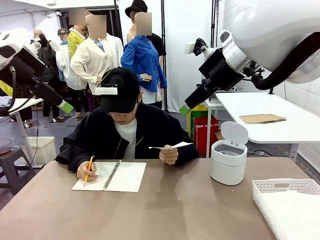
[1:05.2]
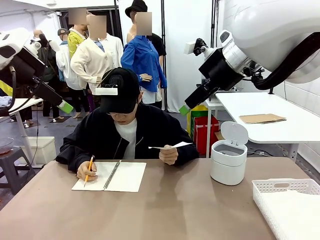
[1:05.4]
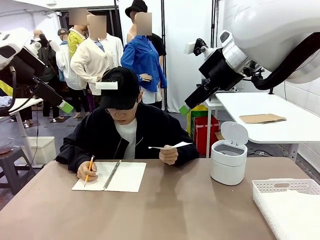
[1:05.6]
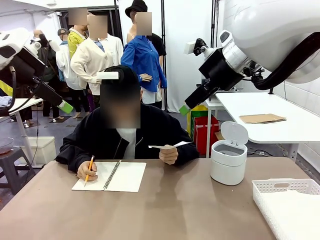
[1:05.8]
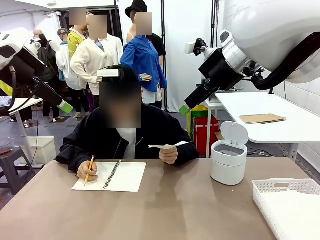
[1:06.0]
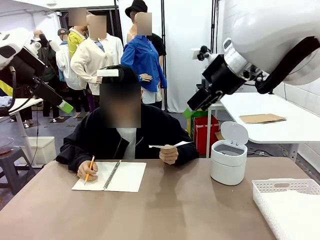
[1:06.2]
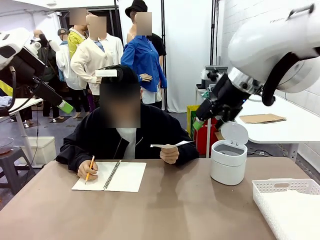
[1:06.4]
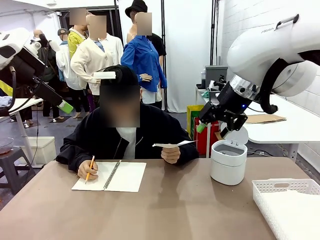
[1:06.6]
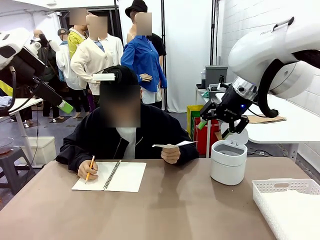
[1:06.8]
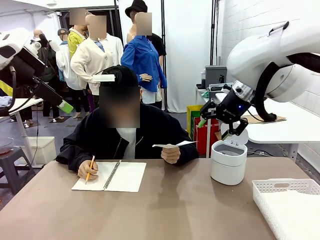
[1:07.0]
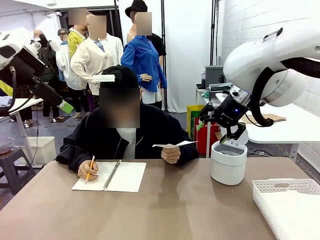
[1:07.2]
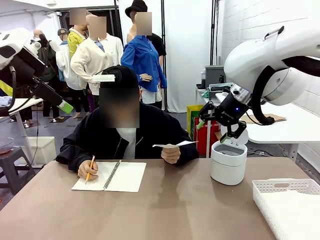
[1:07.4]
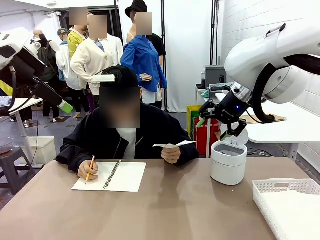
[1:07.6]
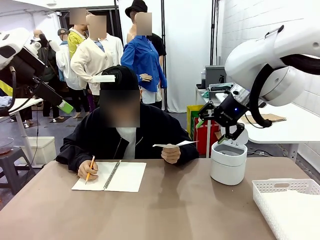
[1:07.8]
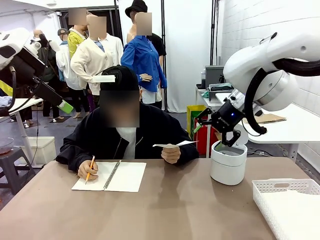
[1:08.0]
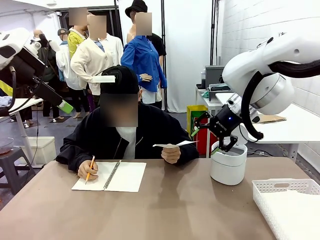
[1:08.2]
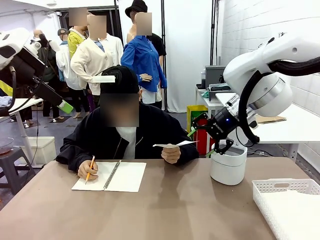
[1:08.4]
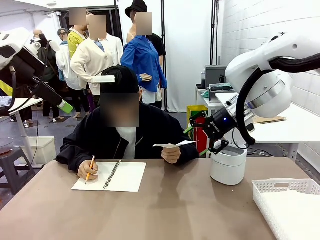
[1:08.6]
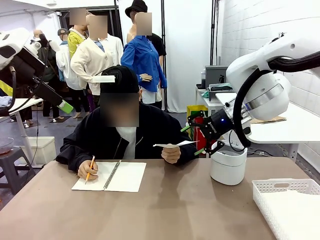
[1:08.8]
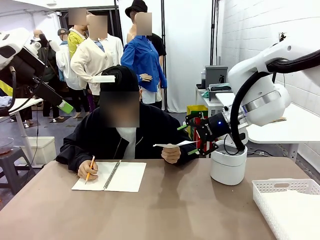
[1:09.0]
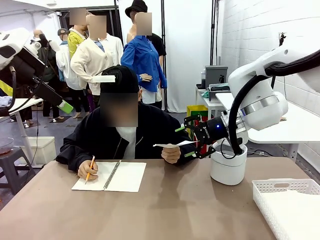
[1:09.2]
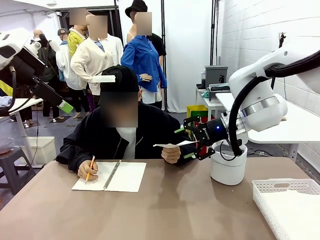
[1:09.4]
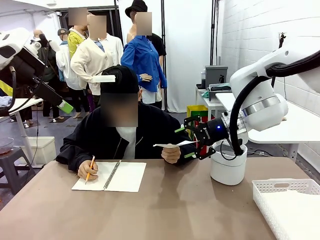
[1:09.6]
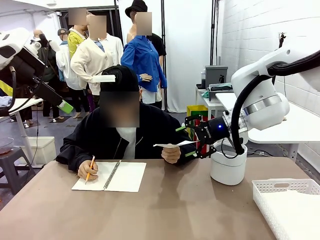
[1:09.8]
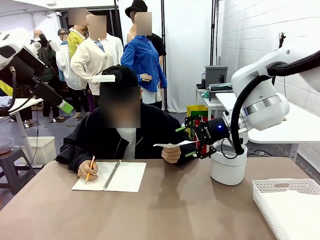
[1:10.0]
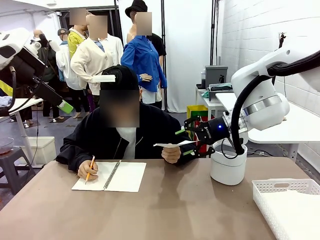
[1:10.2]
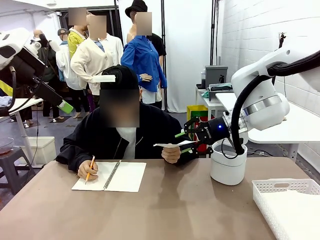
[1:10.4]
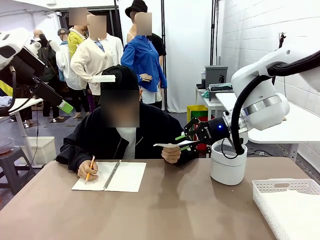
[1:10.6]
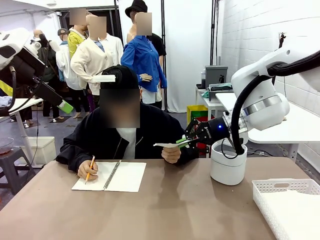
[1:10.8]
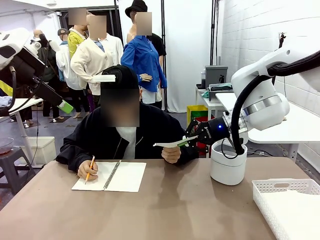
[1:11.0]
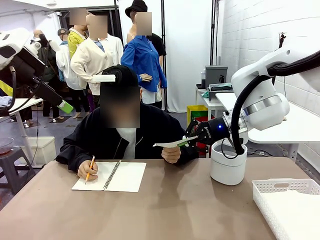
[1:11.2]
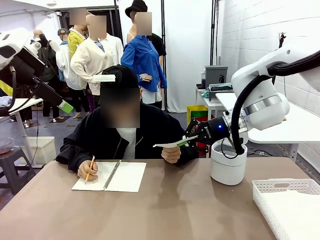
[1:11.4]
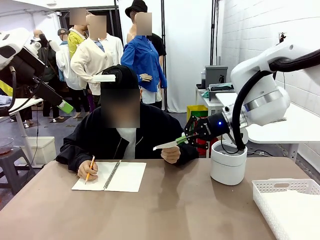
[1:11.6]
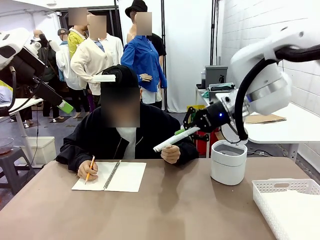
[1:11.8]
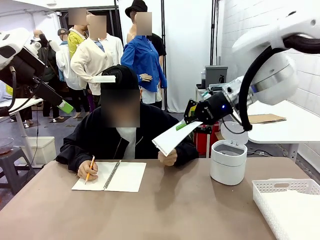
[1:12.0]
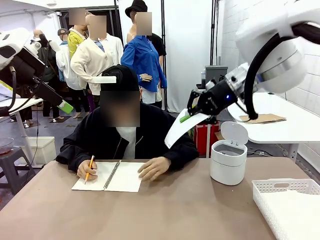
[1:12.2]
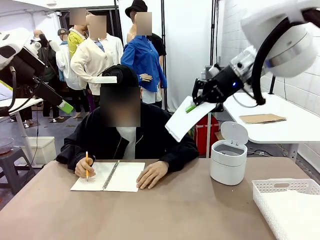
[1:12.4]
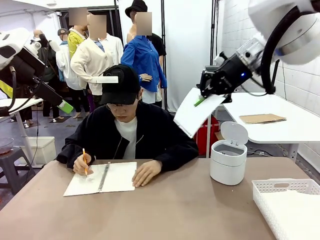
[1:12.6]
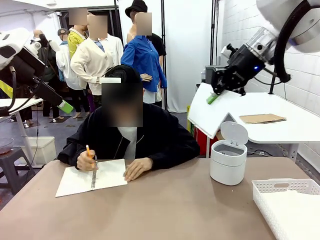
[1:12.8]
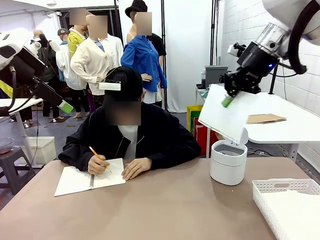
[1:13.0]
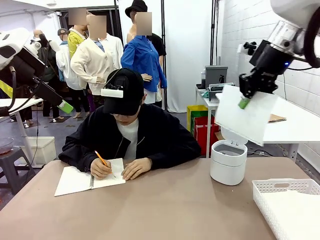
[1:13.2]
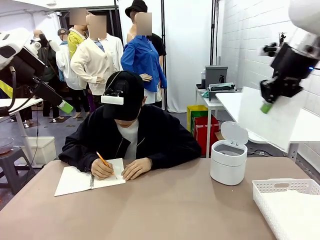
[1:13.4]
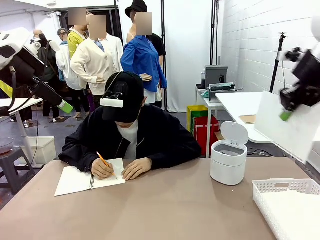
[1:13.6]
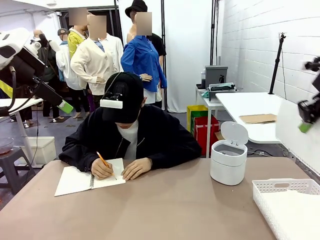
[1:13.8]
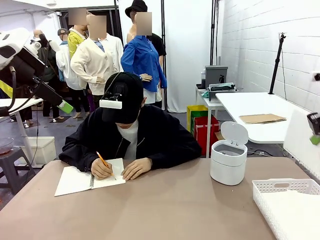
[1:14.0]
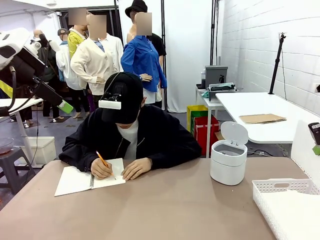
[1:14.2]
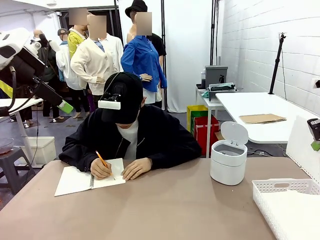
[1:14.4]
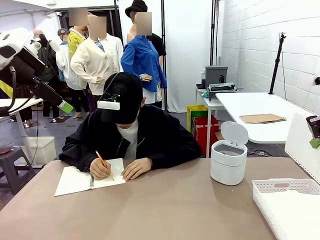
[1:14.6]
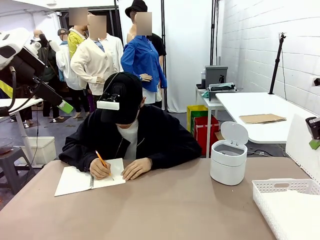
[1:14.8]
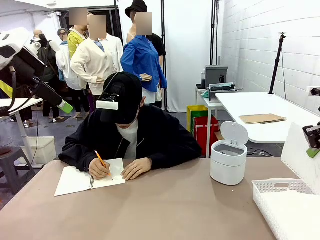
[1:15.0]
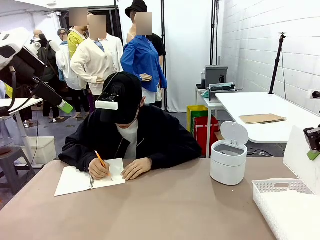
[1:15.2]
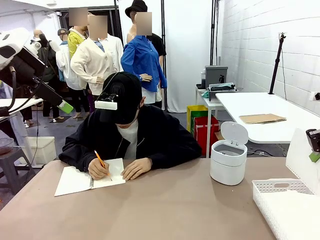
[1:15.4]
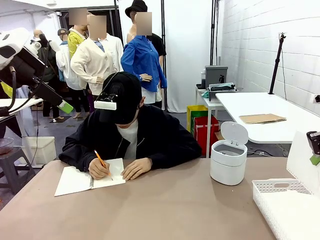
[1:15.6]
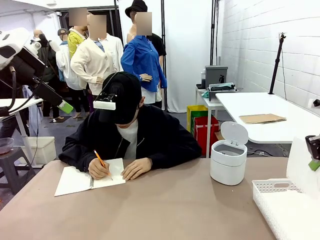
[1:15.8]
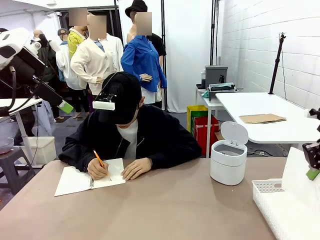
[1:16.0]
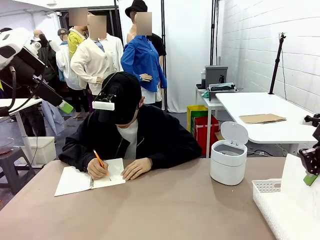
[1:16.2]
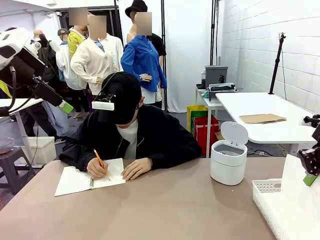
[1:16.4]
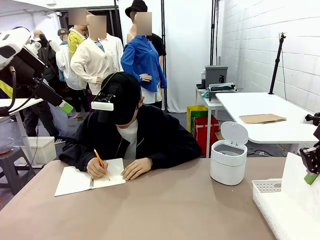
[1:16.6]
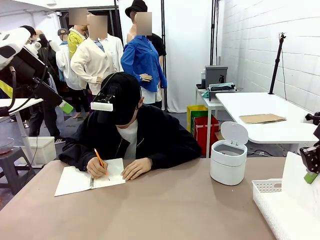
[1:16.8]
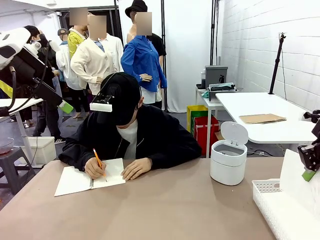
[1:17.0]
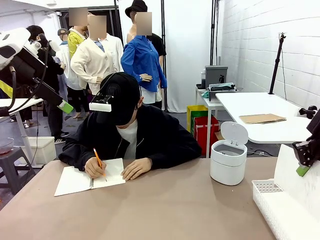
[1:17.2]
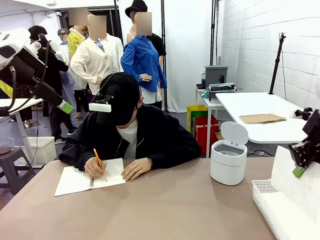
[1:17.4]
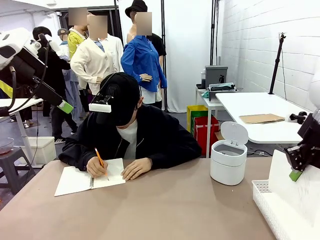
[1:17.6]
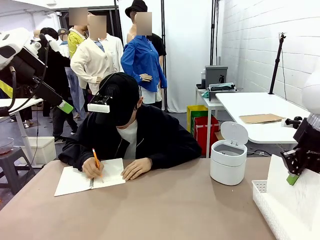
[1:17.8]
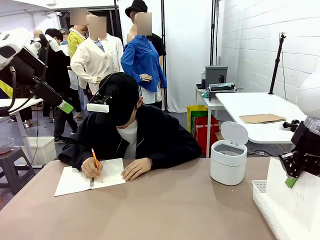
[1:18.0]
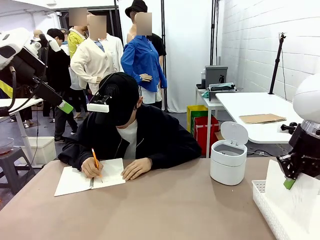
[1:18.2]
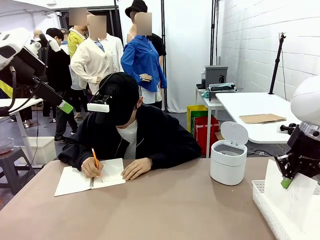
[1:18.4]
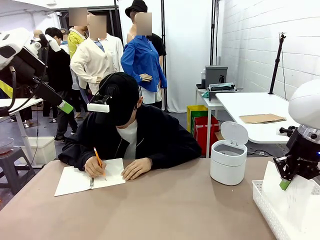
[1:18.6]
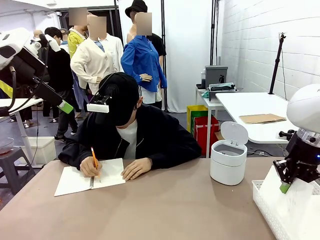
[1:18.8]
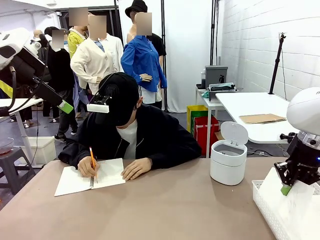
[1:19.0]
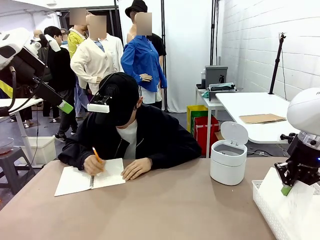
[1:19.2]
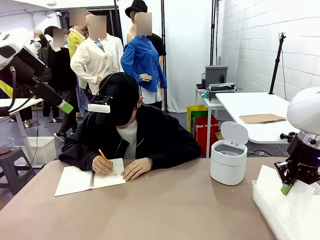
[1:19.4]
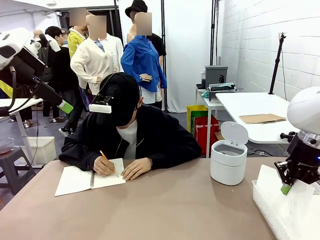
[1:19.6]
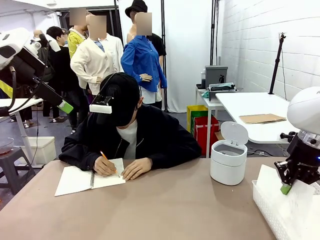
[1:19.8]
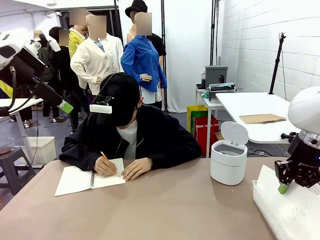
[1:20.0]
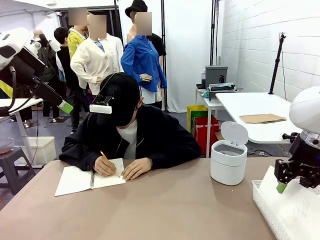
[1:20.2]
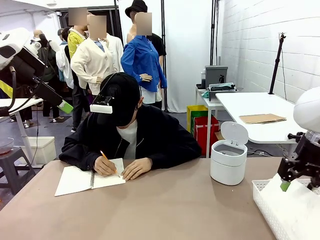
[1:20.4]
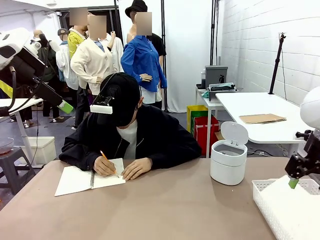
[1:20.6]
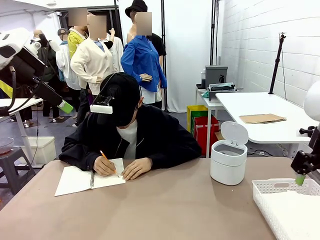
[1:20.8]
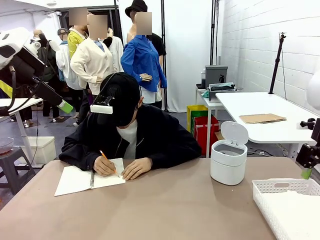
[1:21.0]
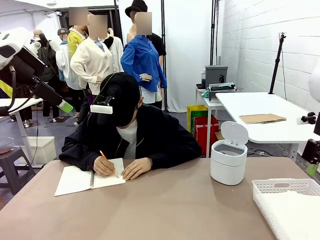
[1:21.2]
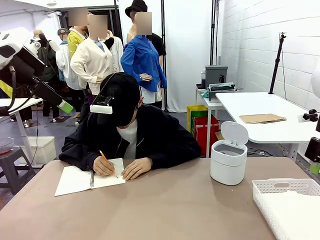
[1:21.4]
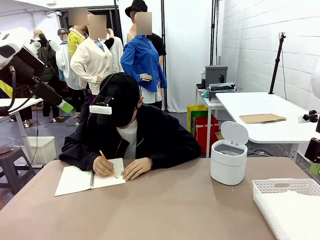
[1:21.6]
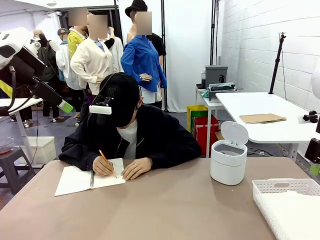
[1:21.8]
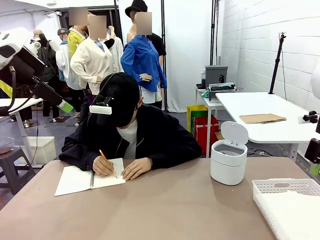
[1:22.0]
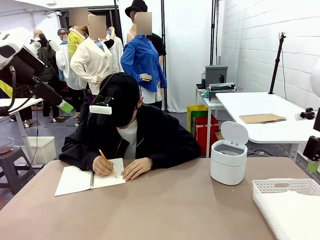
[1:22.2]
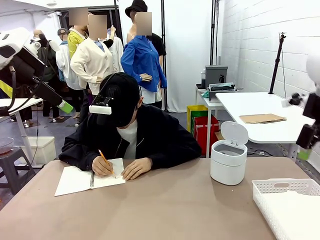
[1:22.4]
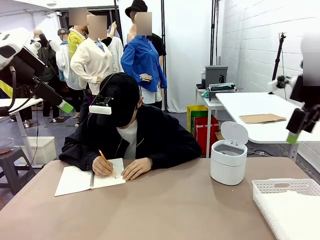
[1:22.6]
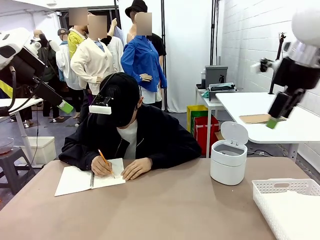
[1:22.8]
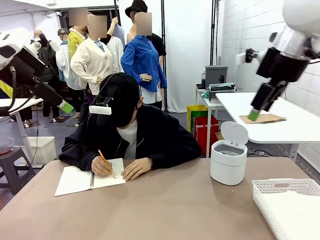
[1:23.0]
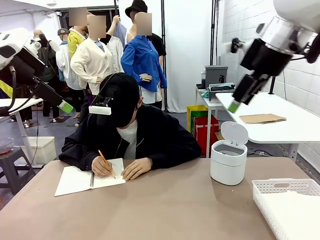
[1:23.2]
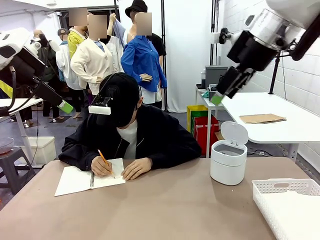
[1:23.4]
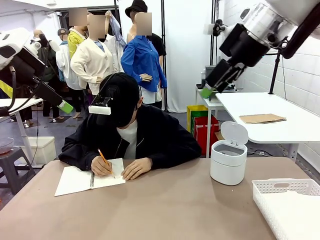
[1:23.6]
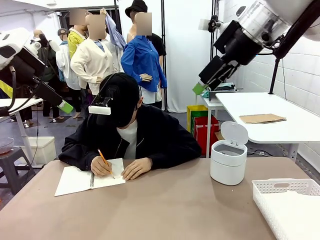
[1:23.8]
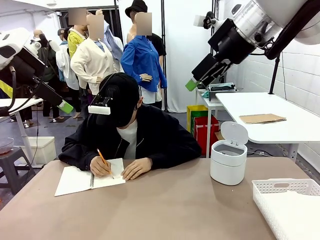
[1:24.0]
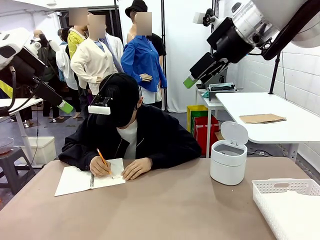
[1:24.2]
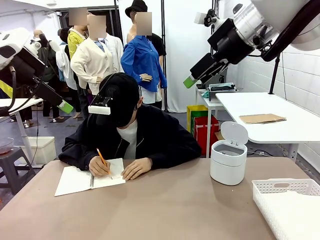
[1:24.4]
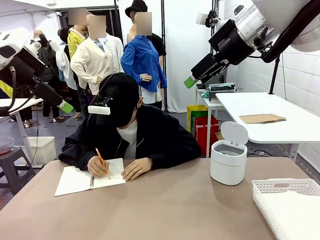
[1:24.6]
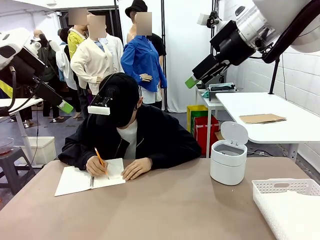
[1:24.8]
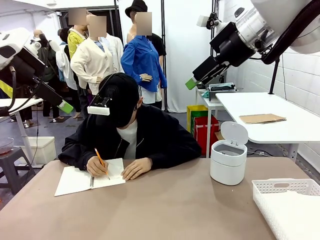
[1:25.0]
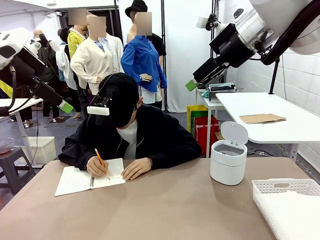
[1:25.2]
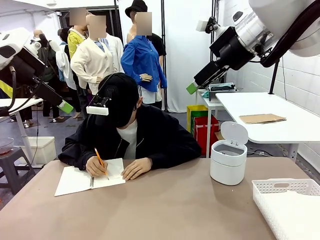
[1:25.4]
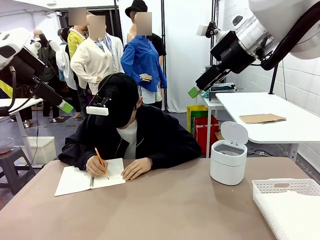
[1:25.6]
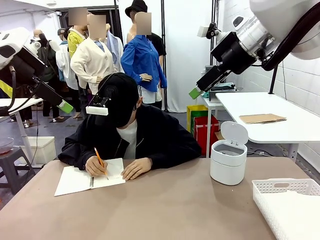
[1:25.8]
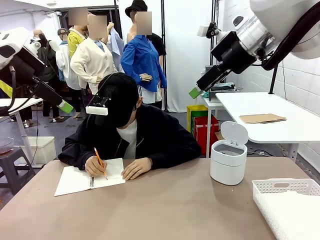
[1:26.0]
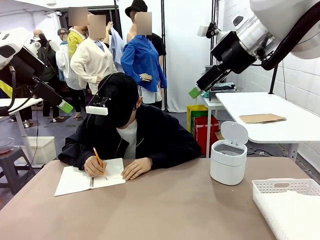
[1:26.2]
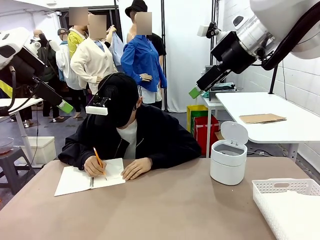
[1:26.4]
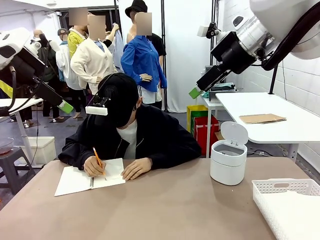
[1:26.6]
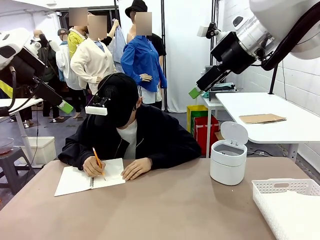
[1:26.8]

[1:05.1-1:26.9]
Task: Sort the paper based on its condition.
Robot: If a person hands you a paper, place it in the Organizing basket , and if it's crumpled, put it in the Trash can.
Person: Hand the torn page to the robot or crumple it and throw it to the center of the table.
